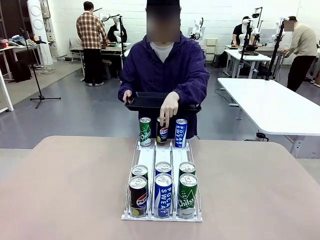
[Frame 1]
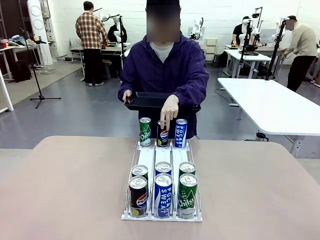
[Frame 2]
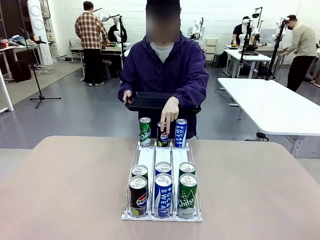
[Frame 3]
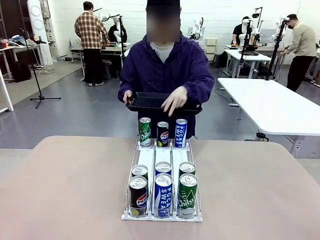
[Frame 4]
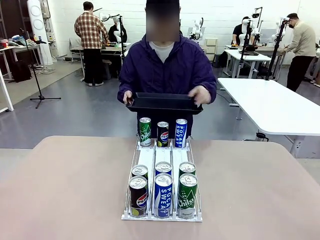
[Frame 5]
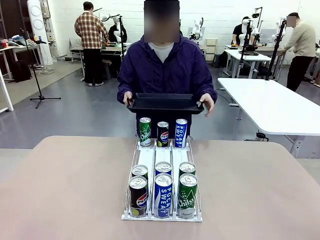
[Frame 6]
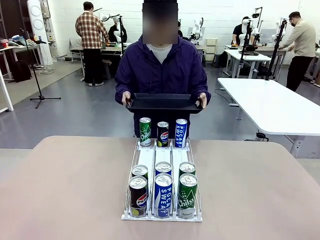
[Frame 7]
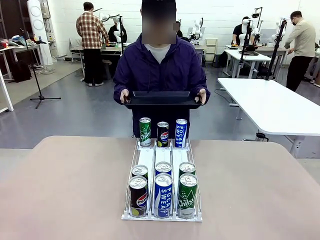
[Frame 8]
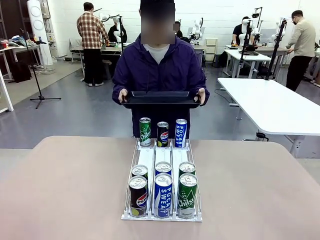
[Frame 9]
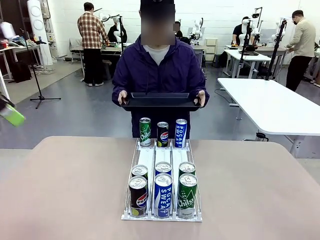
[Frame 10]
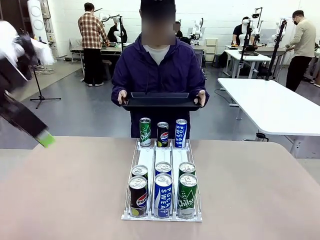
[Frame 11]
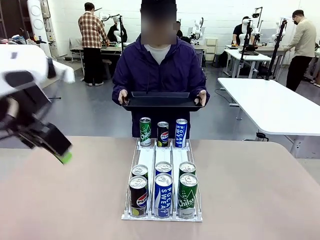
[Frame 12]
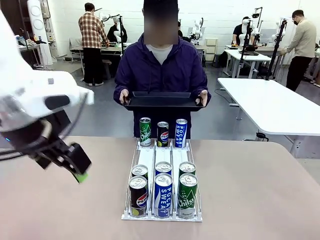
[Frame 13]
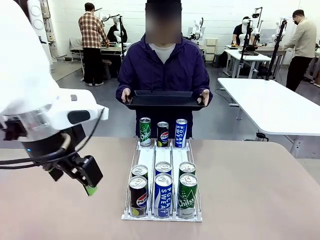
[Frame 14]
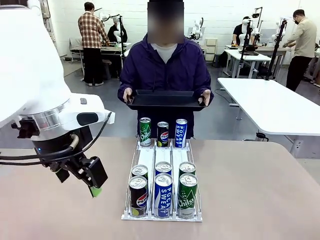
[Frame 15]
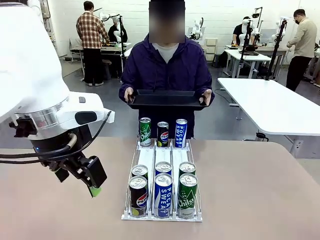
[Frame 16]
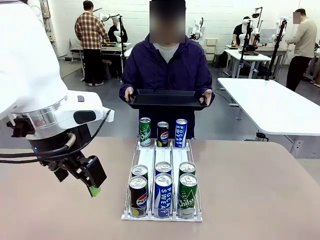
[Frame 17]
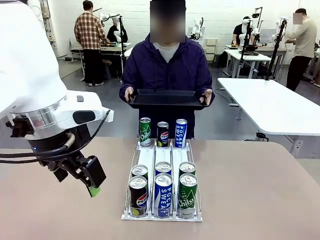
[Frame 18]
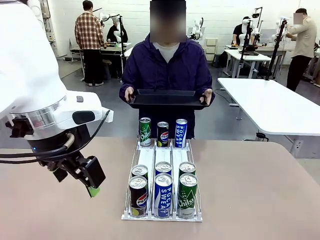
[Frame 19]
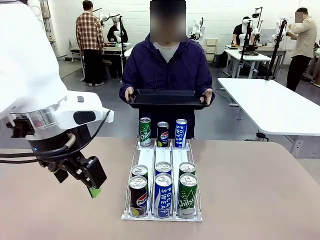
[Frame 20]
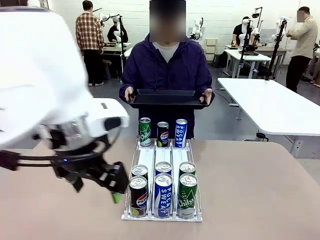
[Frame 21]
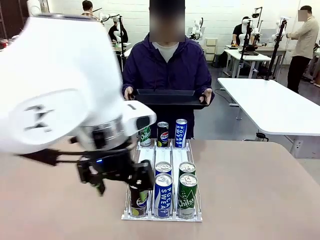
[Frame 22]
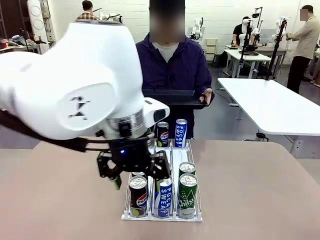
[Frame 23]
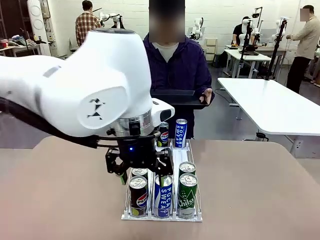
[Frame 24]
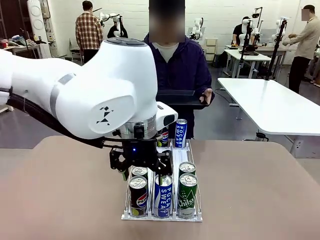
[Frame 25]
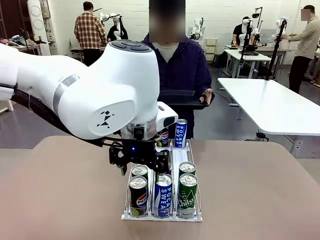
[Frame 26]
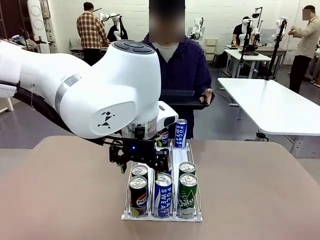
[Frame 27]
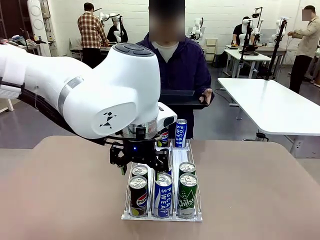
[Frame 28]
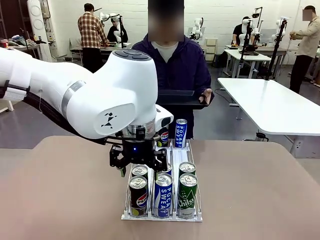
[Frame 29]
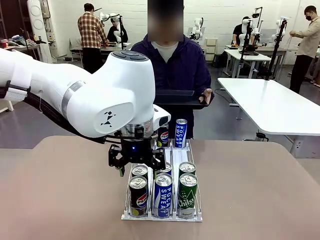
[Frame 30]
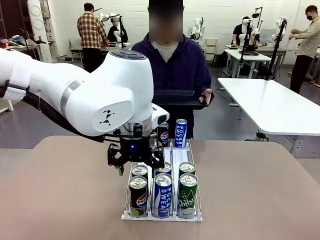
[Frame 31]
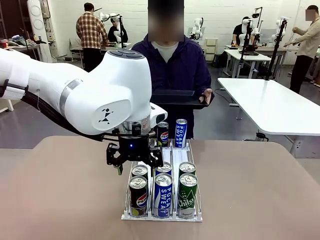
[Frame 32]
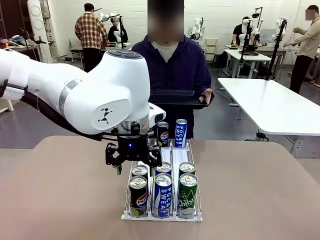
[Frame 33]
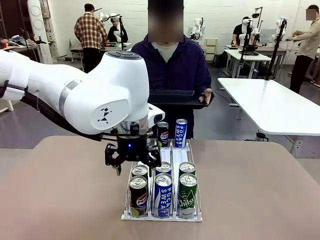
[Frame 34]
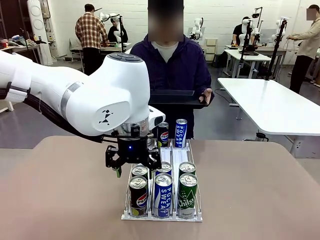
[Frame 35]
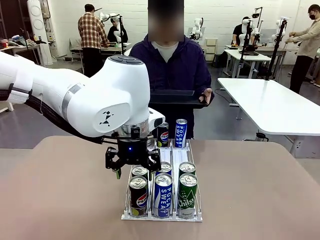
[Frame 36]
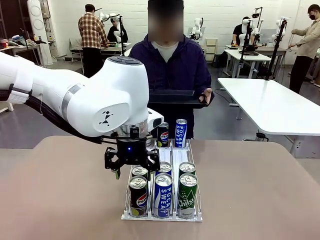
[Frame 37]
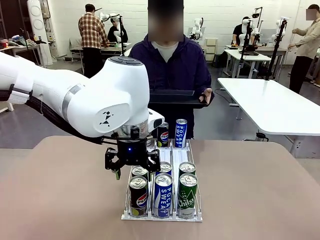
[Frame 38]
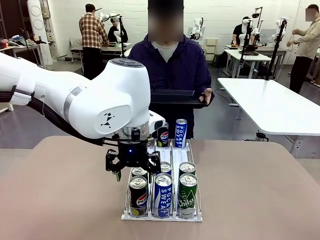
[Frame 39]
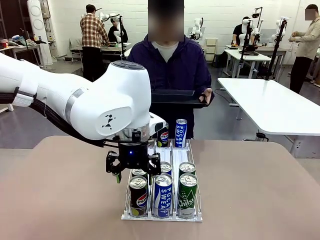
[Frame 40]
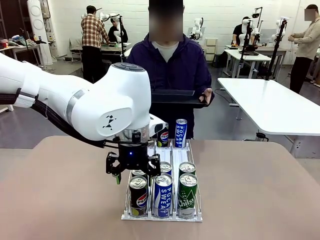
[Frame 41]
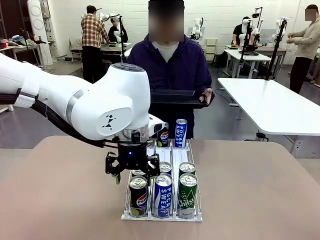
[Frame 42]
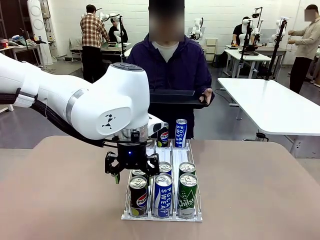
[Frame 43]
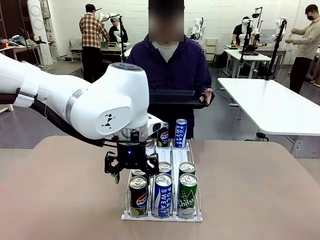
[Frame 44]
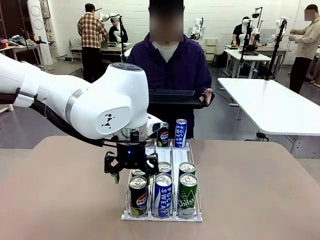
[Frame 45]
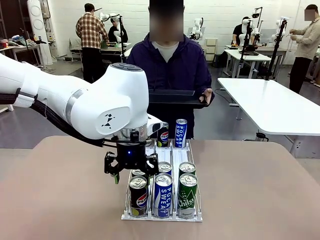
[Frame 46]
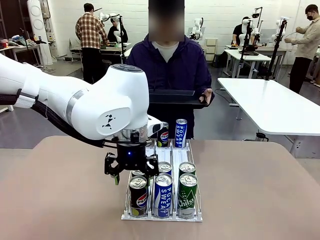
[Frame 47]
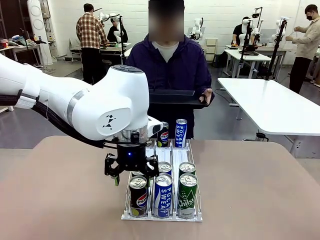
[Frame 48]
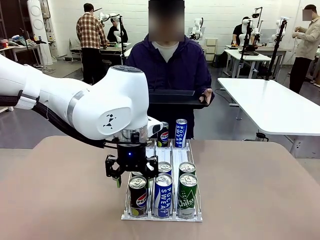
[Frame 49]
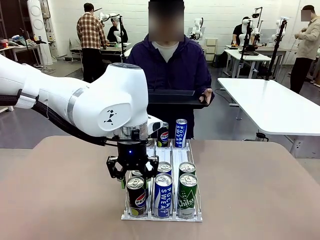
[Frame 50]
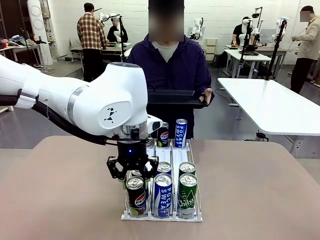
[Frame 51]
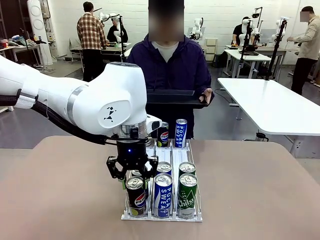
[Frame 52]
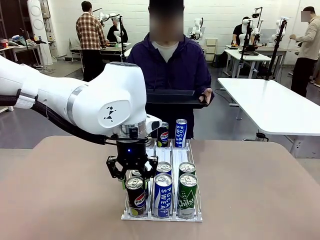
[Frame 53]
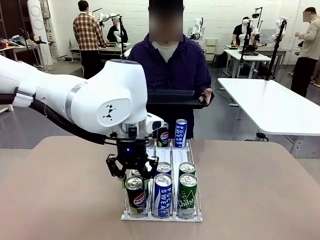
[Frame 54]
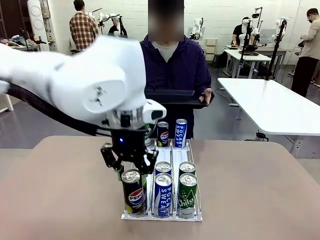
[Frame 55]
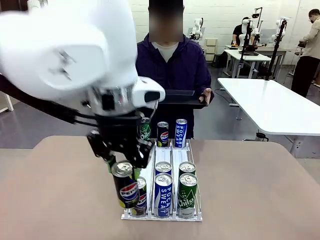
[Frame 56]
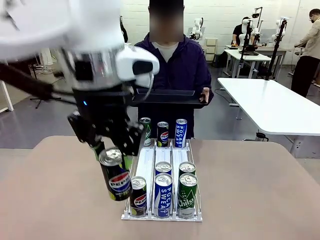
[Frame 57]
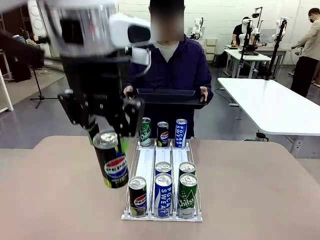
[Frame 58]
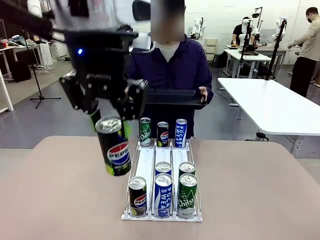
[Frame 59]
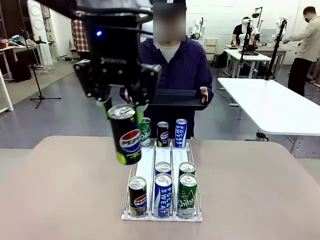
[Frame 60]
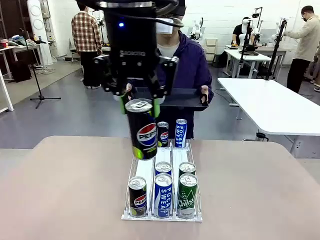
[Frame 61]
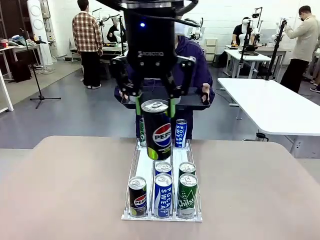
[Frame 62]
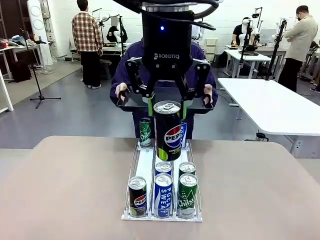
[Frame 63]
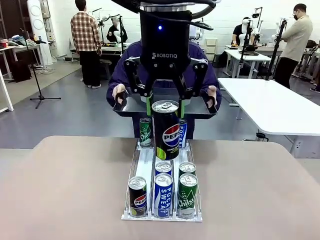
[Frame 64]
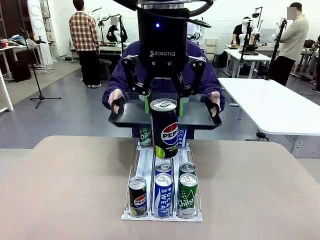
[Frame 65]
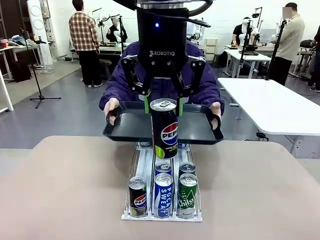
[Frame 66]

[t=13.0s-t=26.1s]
Task: Retrieve and hand over the desired beverage to the person.
Robot: Pick up a can of the same type that the person held from the Automatic Can Dispenser.
Person: Push the tray toward the robot.

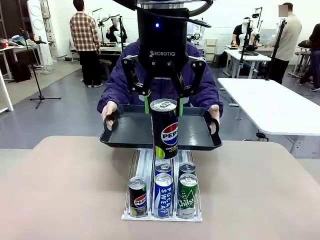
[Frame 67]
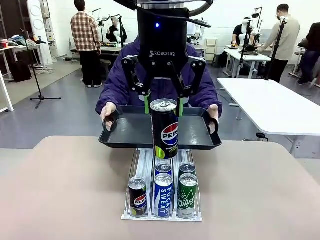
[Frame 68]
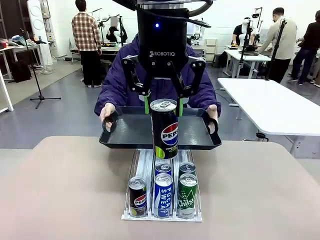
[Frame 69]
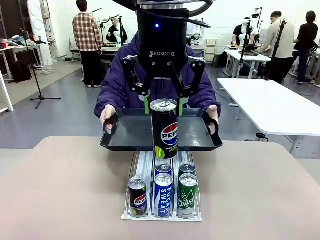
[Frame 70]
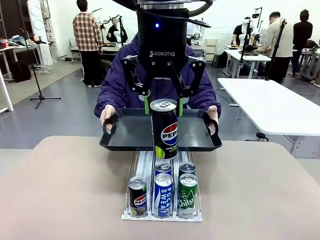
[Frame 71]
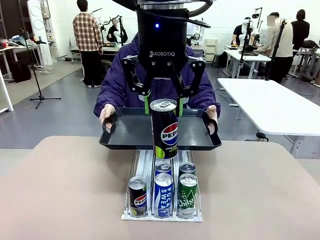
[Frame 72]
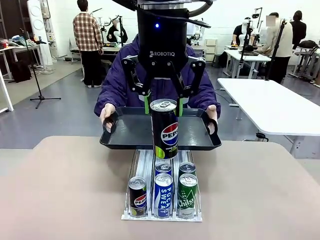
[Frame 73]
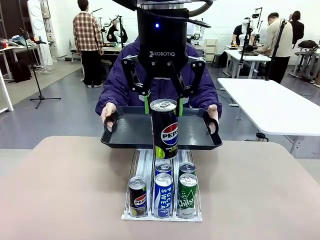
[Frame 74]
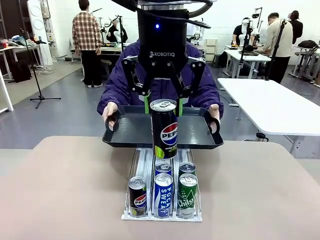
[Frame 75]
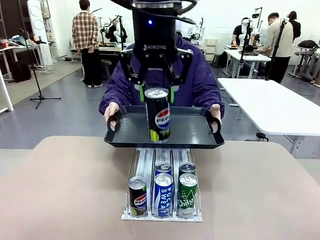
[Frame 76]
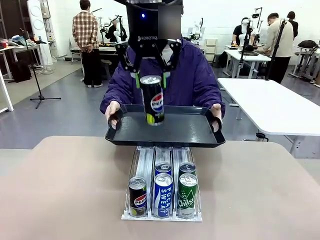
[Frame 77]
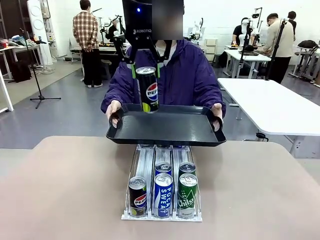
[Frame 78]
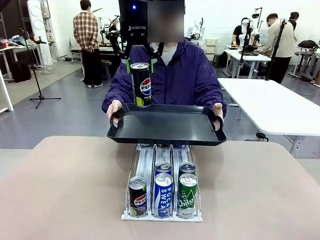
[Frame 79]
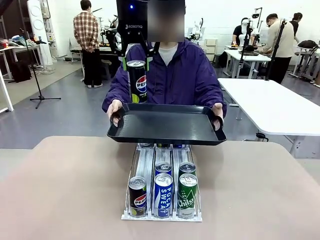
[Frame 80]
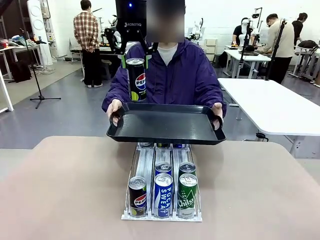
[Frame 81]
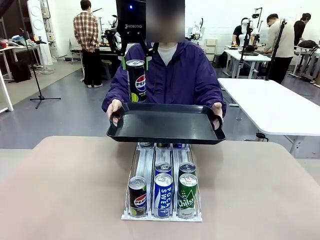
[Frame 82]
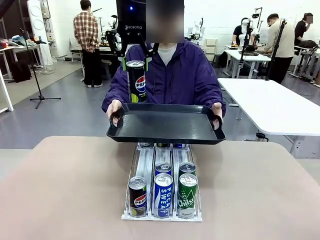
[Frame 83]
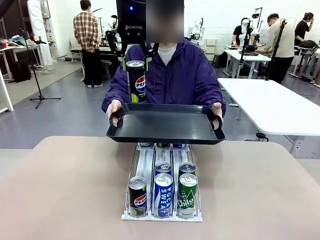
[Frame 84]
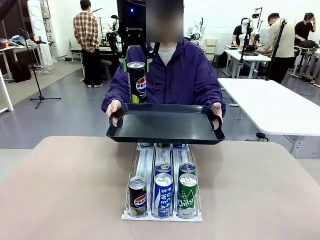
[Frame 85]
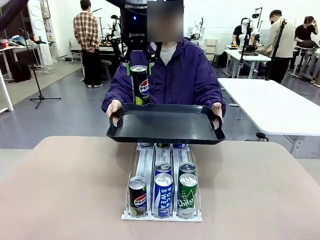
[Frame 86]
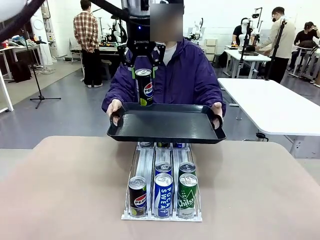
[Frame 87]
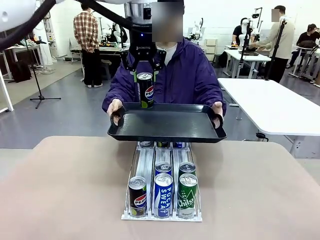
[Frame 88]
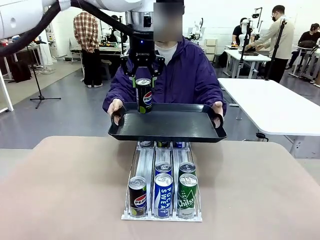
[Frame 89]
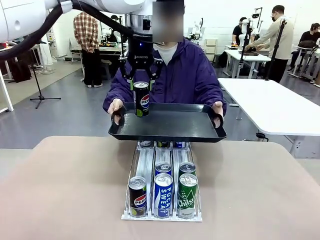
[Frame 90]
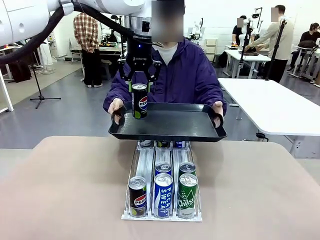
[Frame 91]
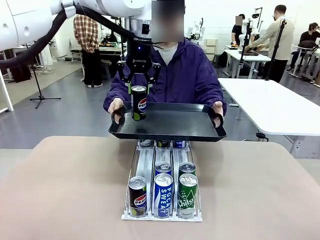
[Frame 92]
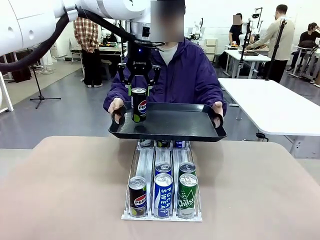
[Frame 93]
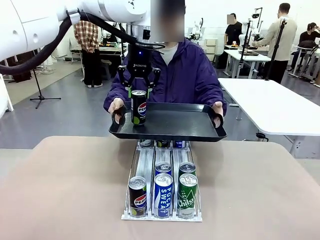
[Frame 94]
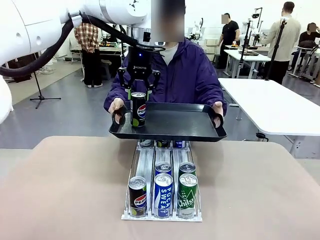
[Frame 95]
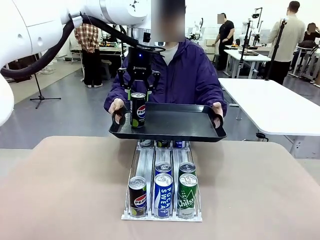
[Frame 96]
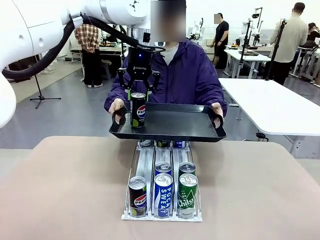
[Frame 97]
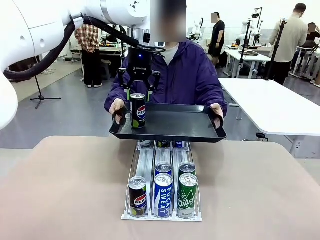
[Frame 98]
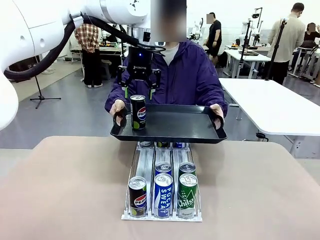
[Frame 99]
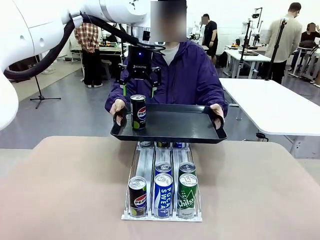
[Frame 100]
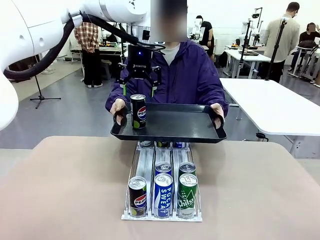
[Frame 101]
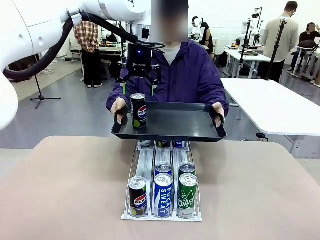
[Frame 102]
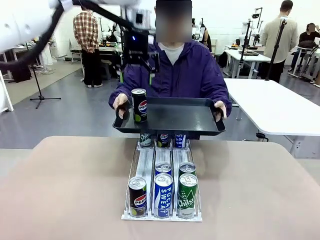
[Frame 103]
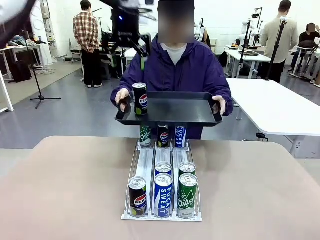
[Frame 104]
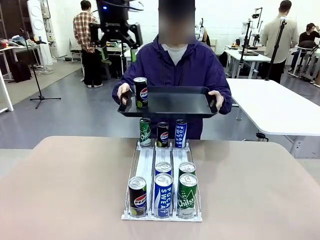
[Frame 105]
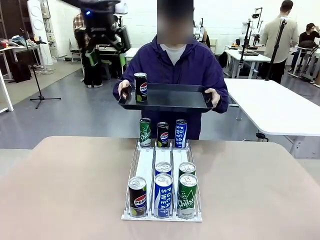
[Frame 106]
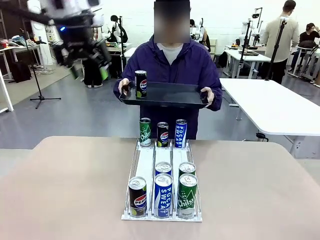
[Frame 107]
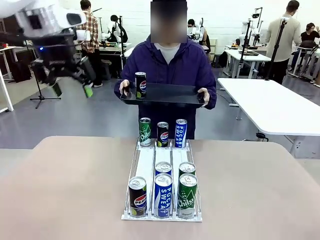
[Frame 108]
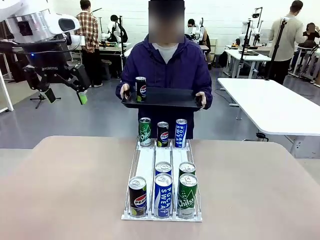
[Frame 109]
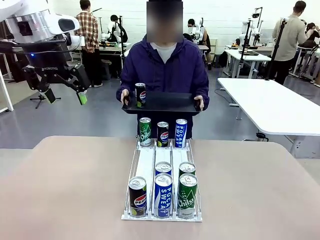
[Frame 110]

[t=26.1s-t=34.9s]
Robot: Place the picked can on the Handle tray extended by the person.
Person: Pull the tray back, then pick up another can from the bottom area of the table and puts it back in its original place.
